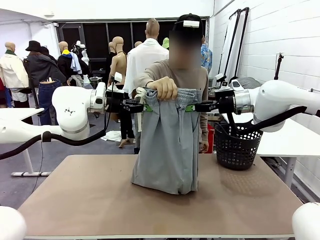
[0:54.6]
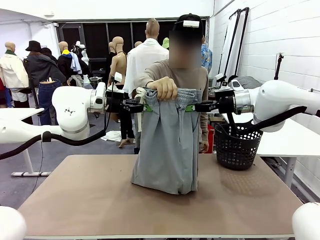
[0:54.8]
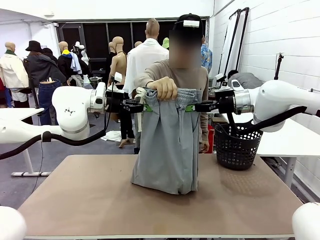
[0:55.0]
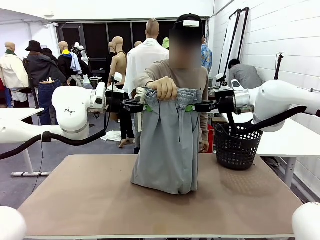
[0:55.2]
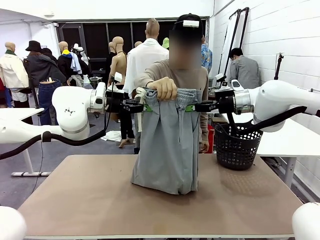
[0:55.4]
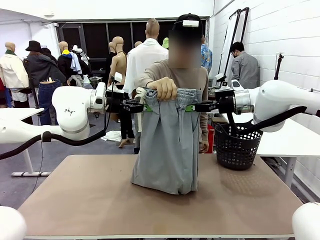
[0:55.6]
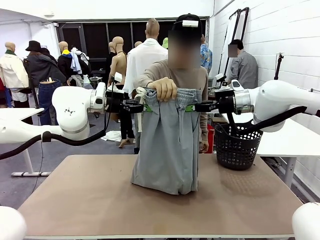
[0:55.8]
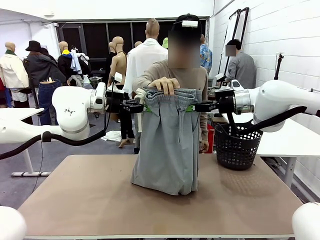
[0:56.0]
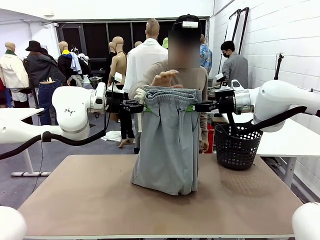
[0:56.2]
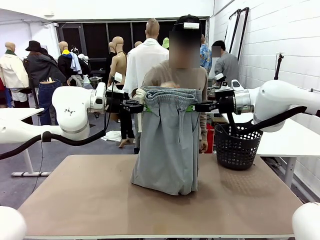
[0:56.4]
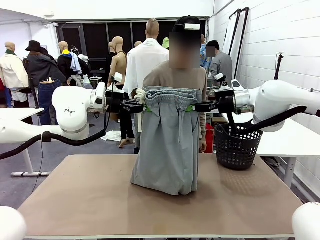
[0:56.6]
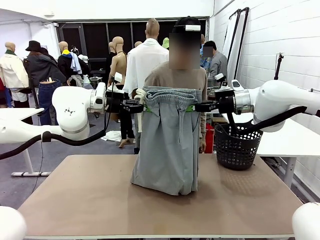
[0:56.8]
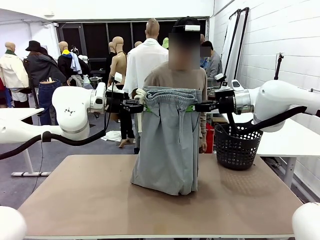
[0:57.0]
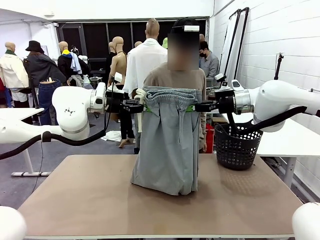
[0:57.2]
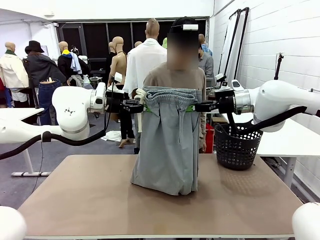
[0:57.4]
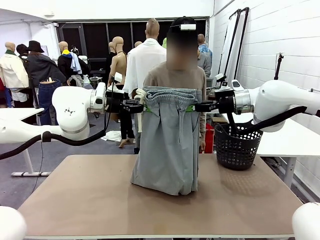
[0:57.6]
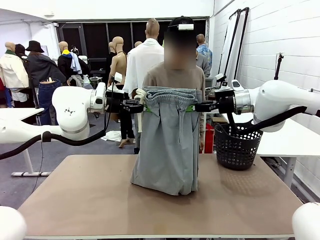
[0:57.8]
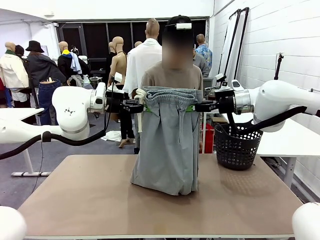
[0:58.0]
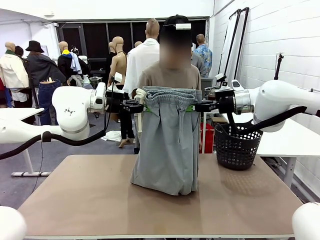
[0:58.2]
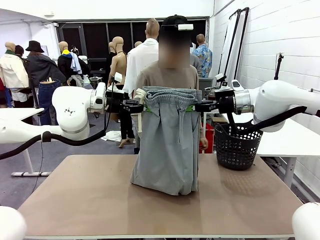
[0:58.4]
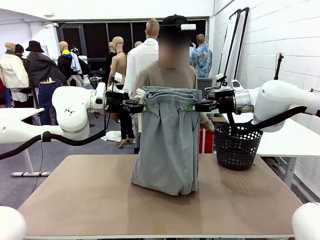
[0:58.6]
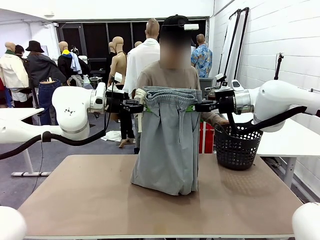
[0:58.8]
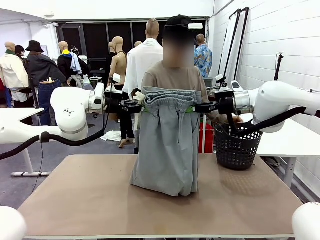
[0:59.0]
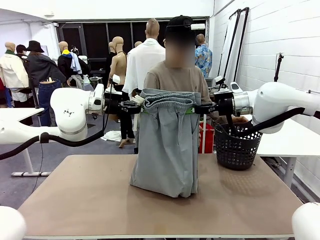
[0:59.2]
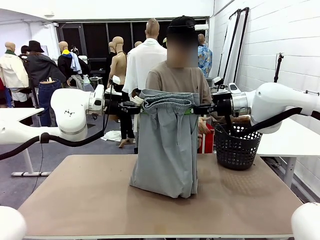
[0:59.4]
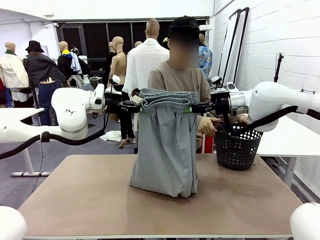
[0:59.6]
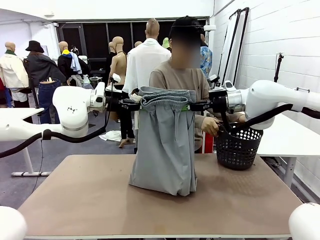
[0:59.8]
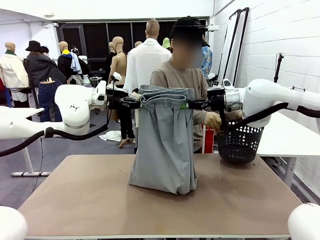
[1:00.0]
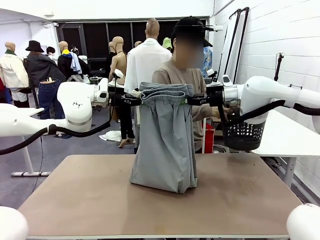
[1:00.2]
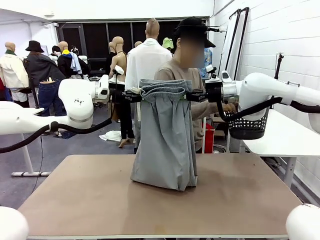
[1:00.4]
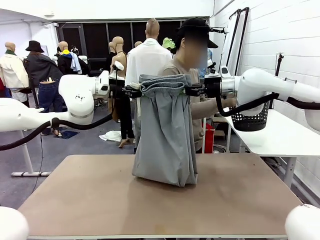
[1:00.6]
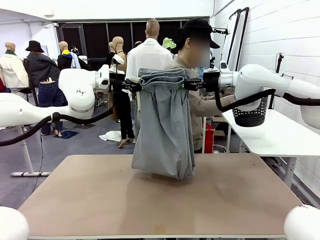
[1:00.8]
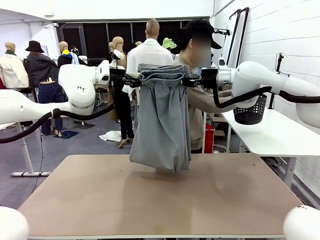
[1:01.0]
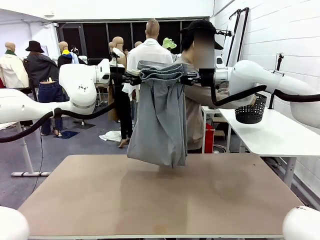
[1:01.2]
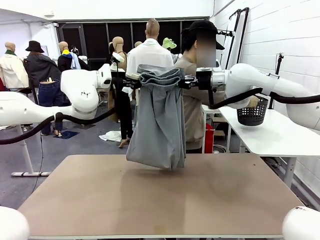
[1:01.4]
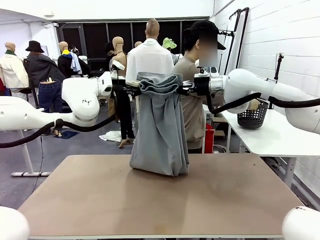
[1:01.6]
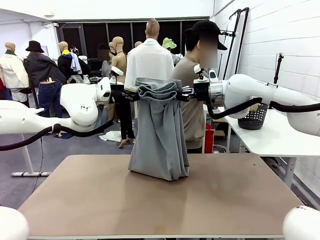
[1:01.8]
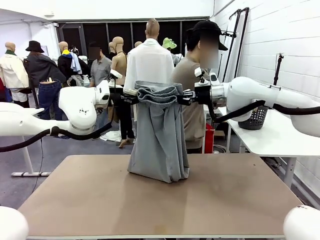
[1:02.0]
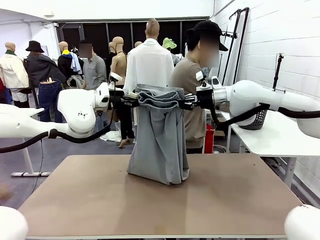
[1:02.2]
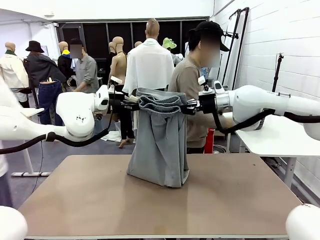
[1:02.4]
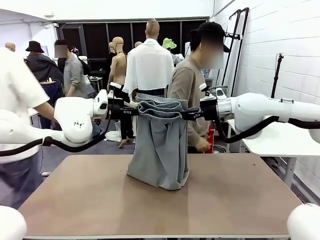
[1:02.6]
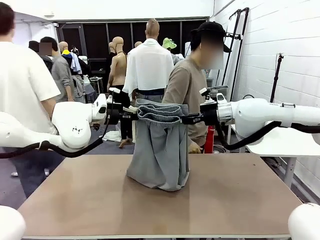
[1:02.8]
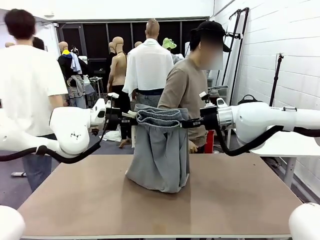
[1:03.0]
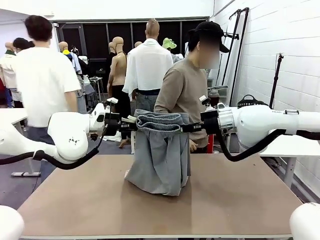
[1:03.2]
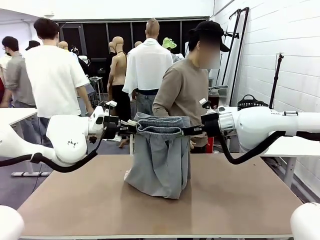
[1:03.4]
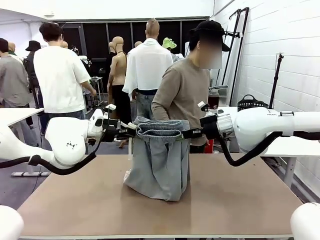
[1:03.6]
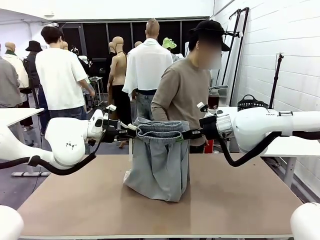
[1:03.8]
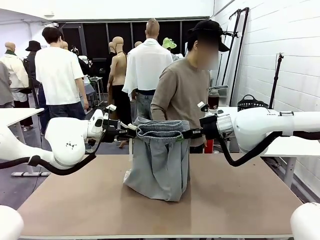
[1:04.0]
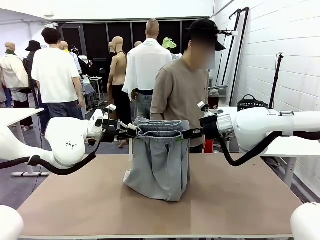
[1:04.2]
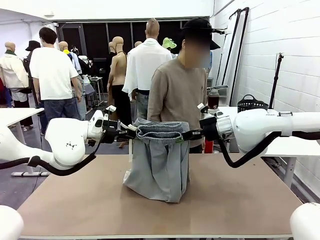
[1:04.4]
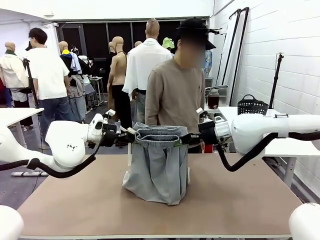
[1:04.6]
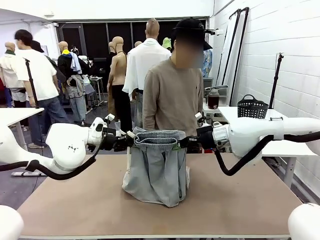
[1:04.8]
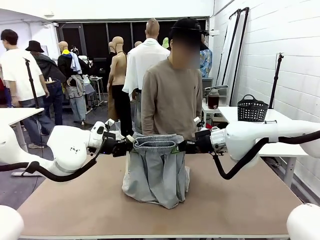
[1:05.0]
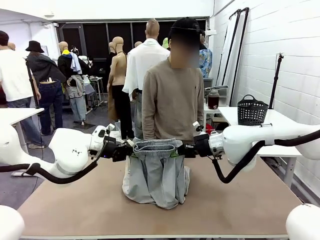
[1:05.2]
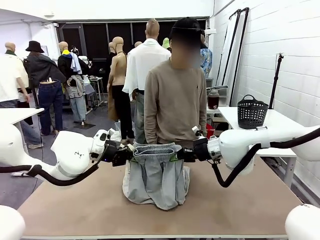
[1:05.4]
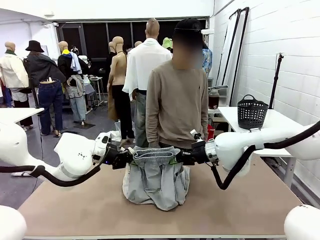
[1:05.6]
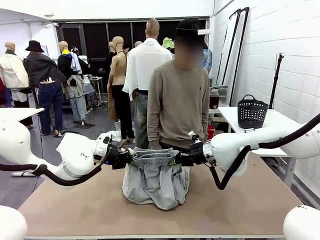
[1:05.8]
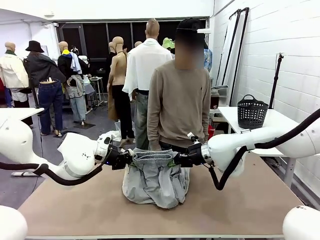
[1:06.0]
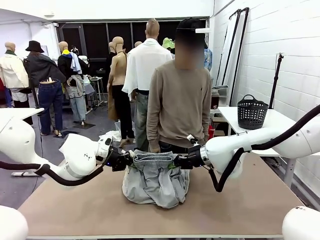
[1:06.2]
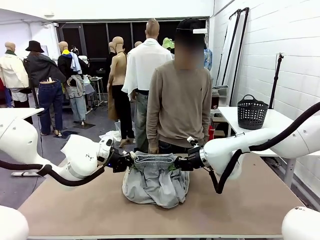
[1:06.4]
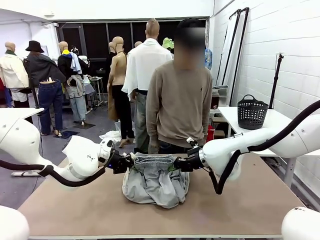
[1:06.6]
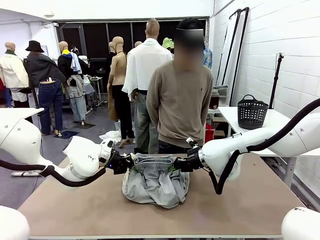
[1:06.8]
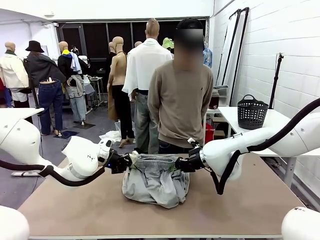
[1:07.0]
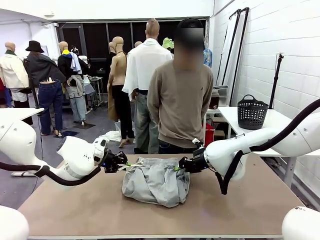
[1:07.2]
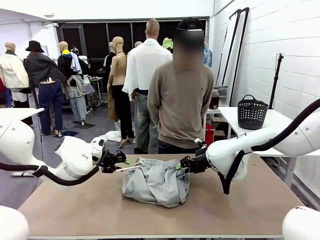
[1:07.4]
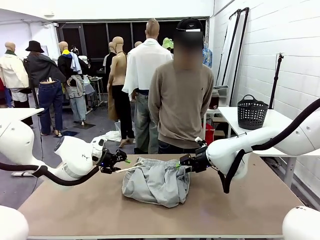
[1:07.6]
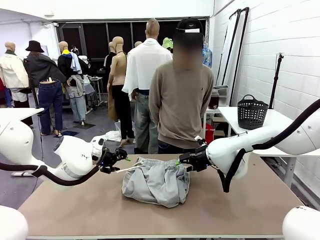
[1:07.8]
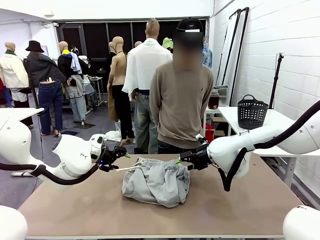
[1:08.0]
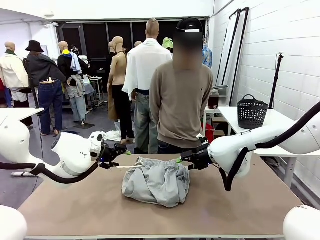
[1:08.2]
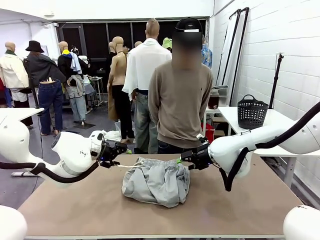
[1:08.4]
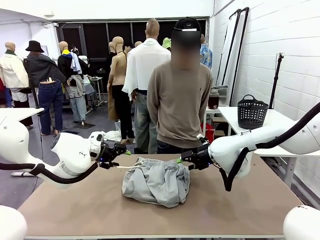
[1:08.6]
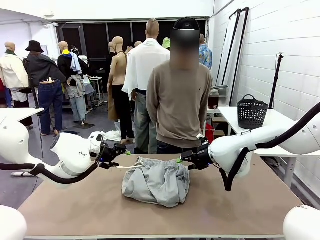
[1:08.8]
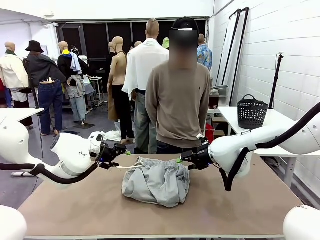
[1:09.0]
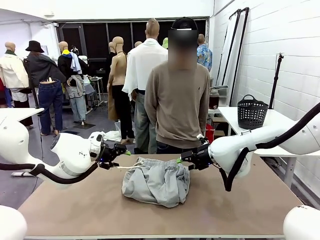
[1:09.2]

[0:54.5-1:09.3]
Task: Fold the training pants.
Robot: Fold the Training pants in half.
Person: Move the laundry basket to the right of the human table.
